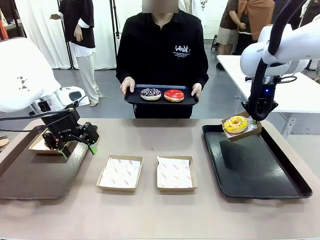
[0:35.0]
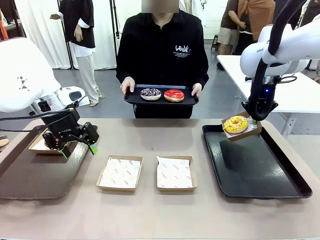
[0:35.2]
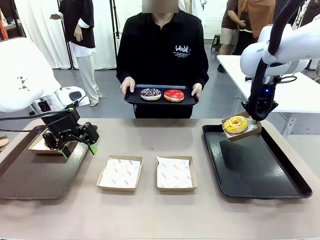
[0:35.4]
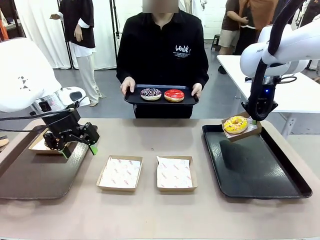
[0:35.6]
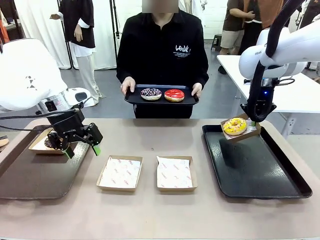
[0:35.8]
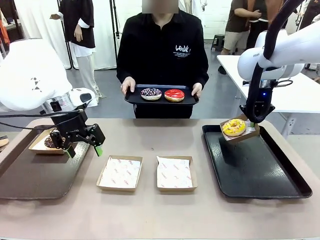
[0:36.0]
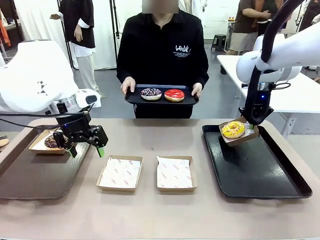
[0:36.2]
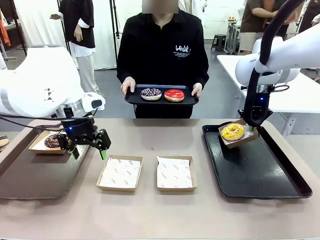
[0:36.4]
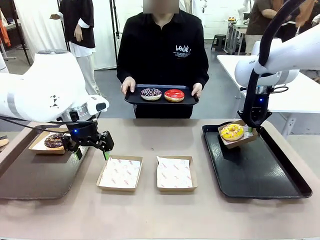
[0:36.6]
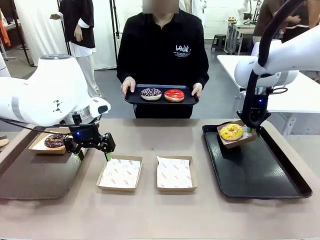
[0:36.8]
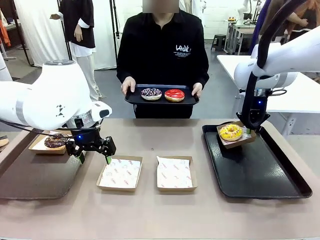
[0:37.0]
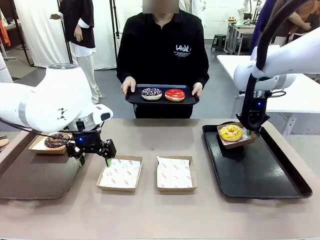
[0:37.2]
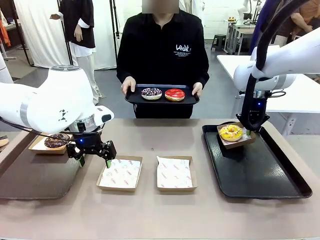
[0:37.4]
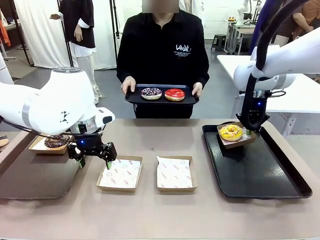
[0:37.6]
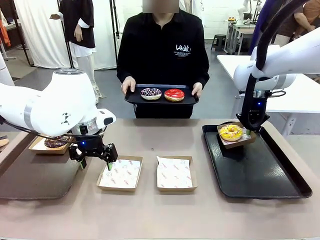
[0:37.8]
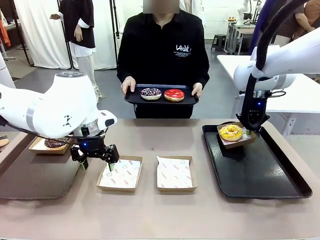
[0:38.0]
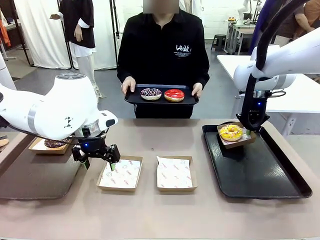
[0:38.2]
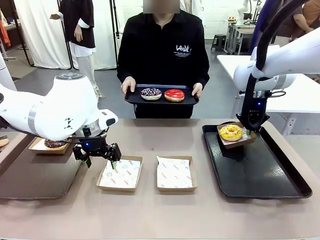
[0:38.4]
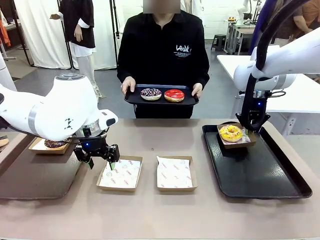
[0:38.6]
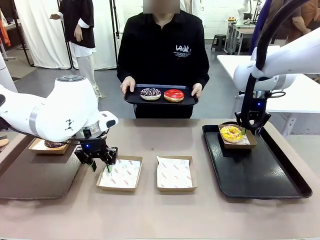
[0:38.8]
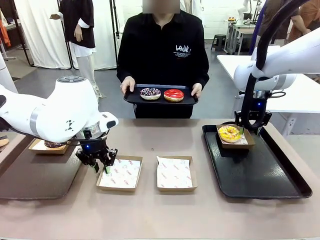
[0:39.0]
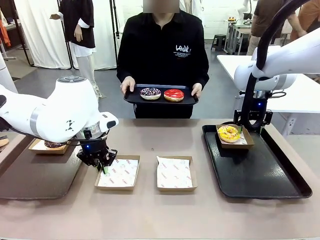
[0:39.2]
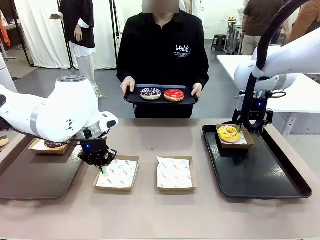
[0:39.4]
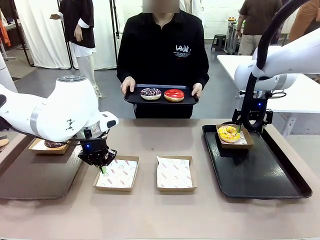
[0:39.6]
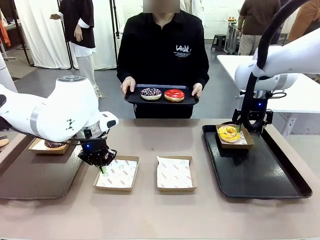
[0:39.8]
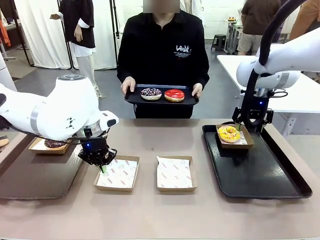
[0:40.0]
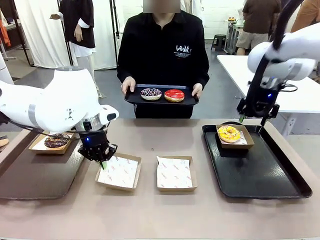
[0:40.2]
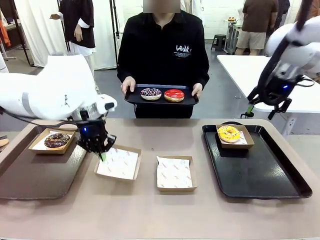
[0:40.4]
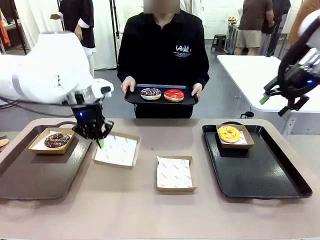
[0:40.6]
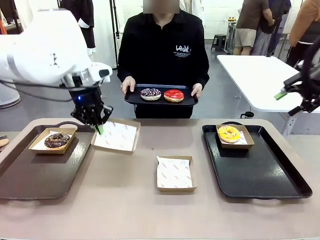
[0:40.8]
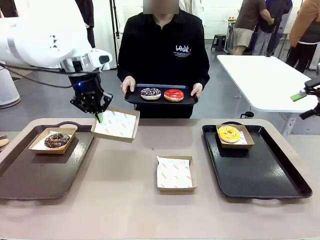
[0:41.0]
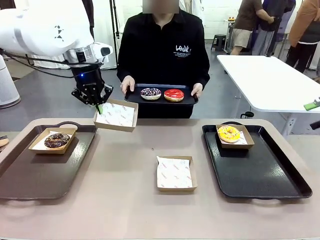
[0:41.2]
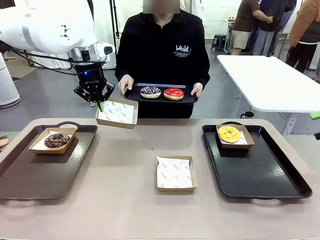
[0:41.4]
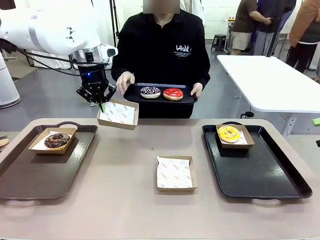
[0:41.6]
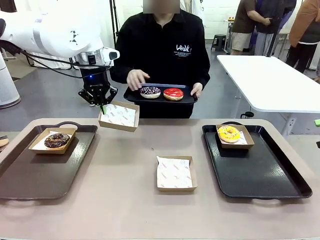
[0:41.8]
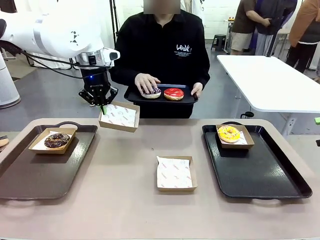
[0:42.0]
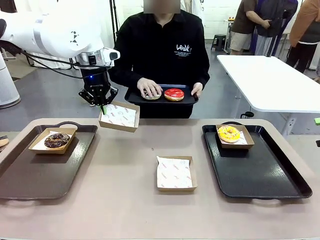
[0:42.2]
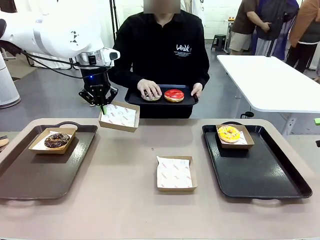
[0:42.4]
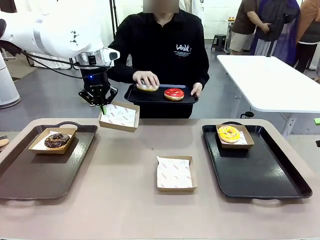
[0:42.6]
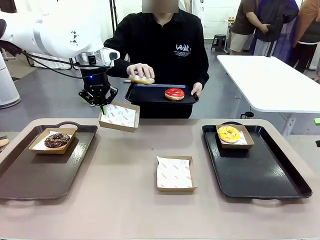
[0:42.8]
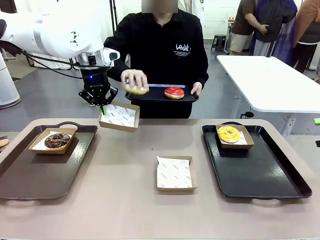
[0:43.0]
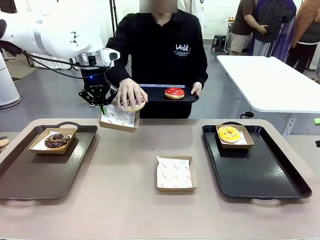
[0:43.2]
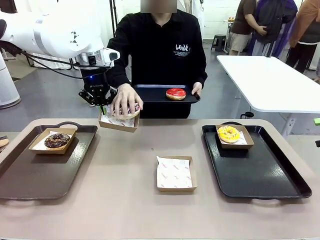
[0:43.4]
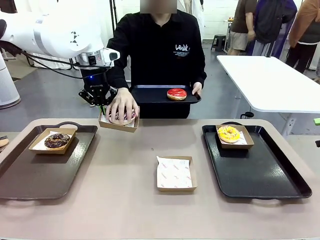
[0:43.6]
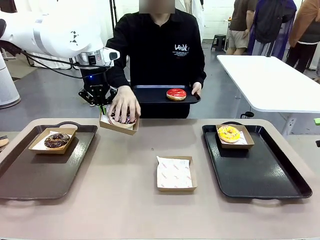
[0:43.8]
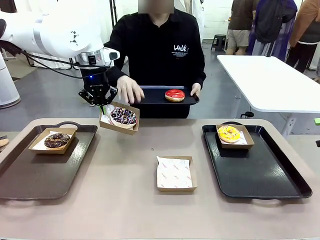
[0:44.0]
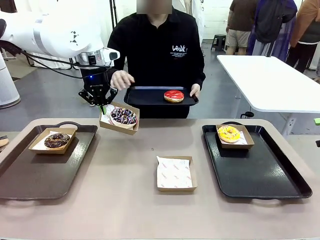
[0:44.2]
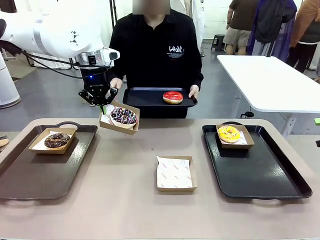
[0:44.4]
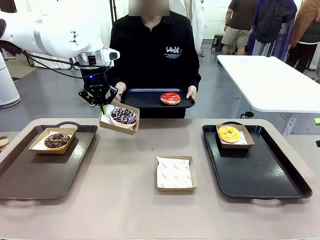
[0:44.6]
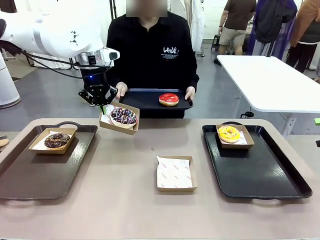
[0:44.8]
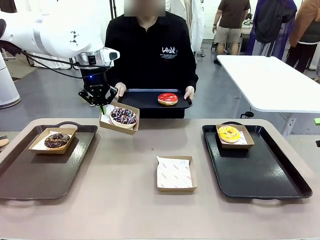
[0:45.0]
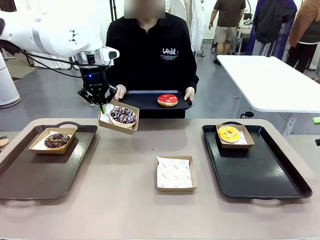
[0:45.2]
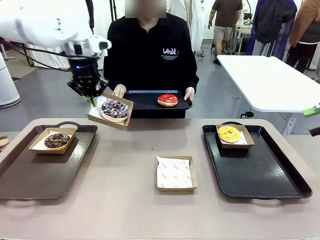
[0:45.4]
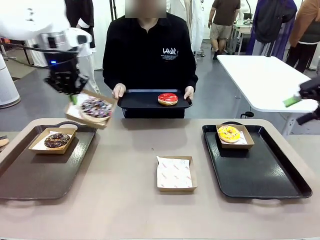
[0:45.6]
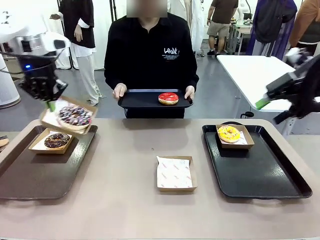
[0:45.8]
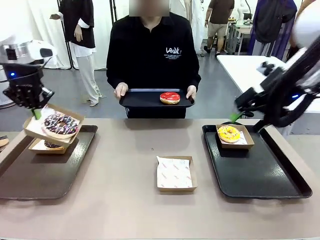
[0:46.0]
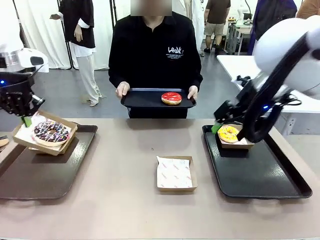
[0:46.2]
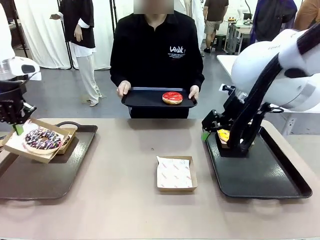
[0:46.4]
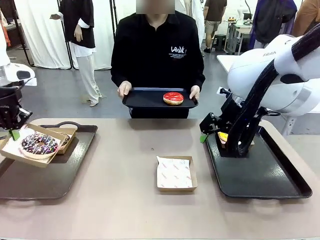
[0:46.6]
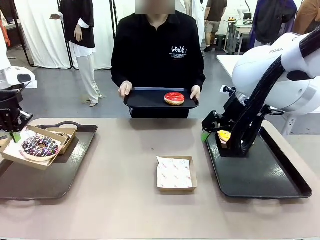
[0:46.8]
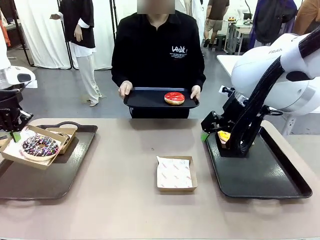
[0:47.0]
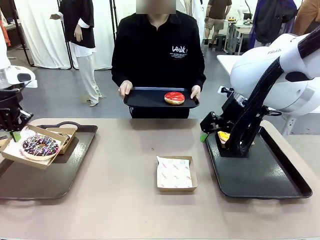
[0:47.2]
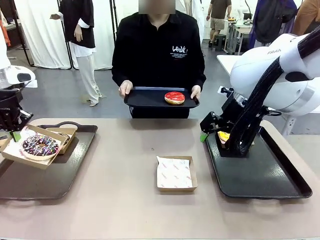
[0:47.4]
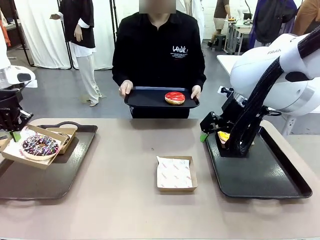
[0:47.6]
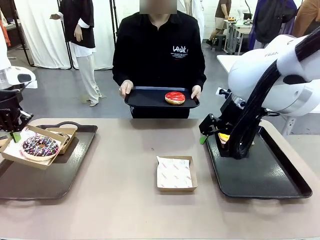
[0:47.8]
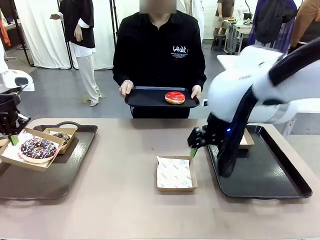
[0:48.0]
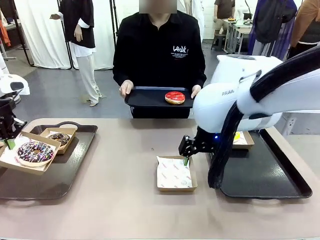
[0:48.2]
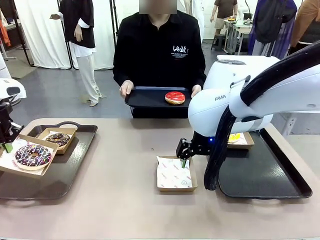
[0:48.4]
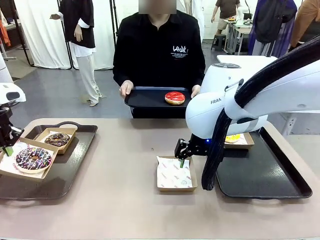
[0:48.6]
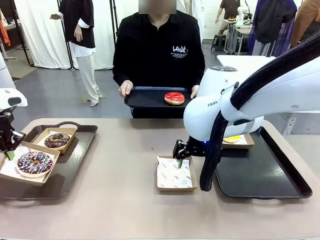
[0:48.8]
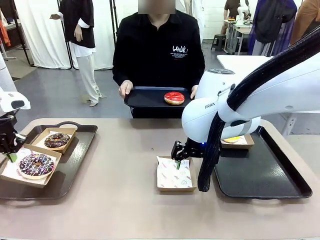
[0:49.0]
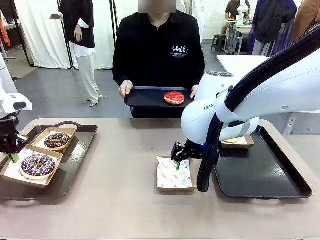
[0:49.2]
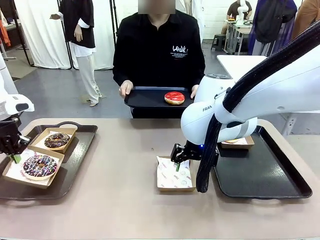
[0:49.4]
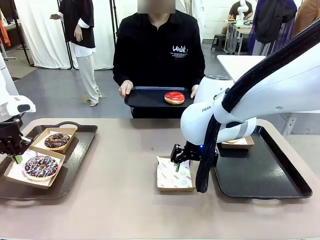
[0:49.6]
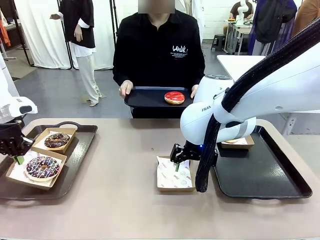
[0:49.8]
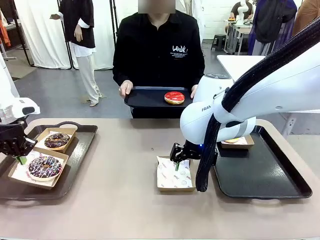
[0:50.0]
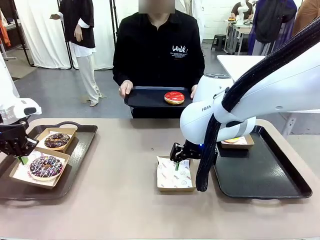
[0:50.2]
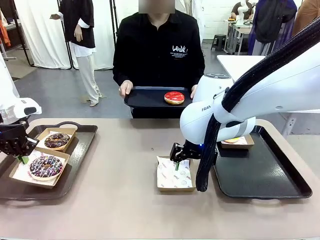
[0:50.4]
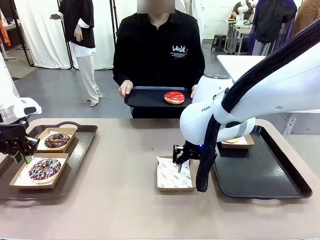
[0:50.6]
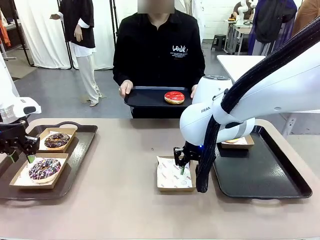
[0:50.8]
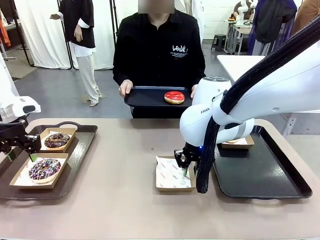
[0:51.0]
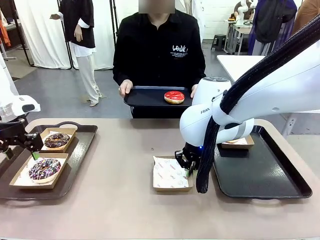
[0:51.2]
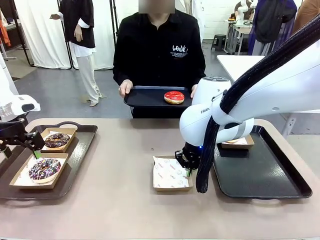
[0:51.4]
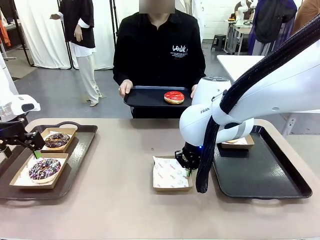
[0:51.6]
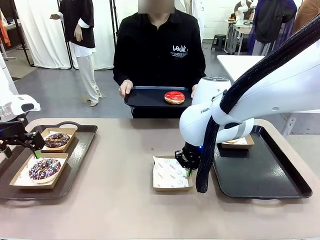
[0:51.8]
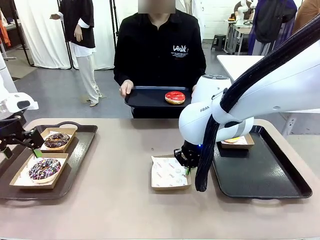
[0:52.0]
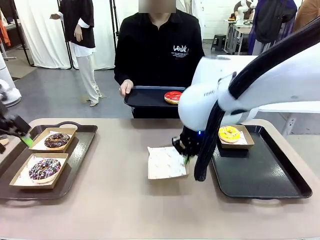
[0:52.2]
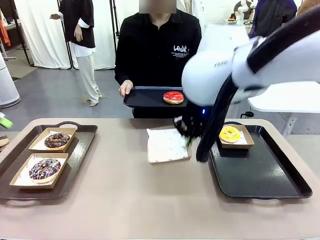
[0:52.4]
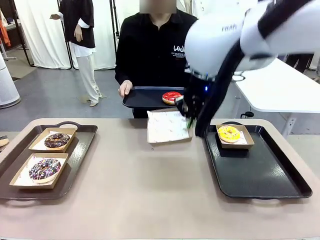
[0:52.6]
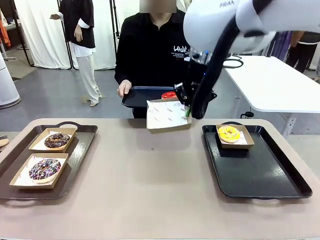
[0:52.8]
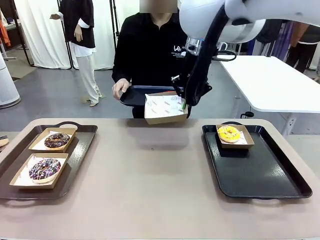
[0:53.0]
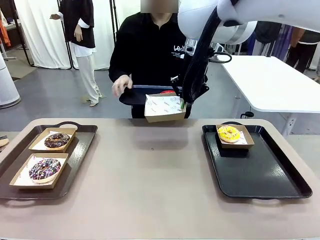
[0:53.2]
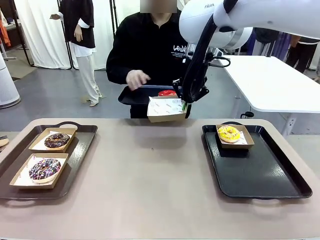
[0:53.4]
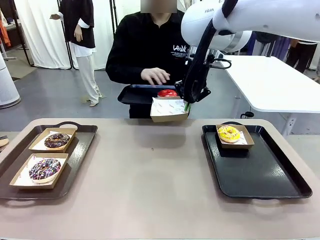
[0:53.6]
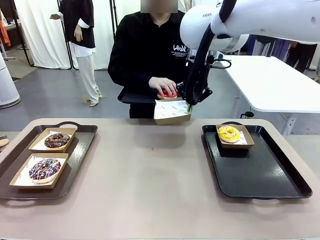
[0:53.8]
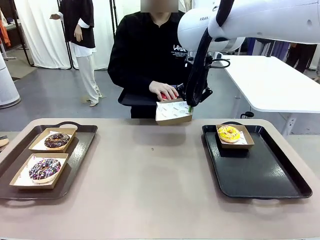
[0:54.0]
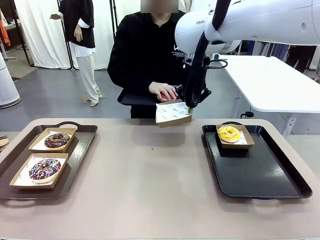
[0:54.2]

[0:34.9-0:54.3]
Task: Individually package the donuts and arrange them on the tray.
Robot: Place the picked Paper togo box on the Handle tray while simultaneously picking up another Paper togo box from the table with the other hand.
